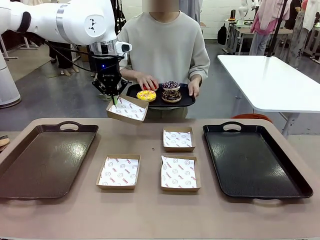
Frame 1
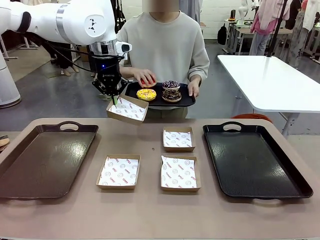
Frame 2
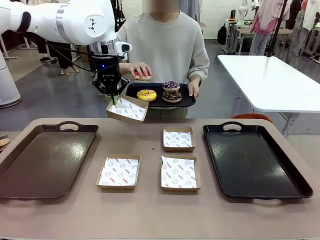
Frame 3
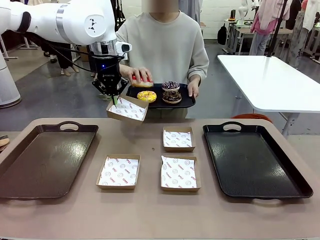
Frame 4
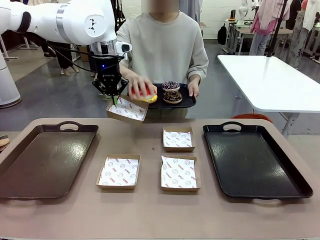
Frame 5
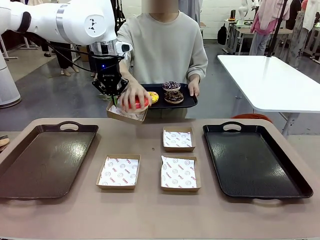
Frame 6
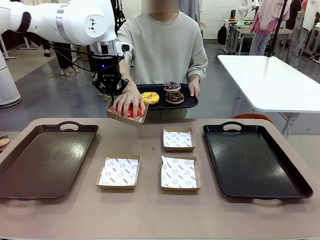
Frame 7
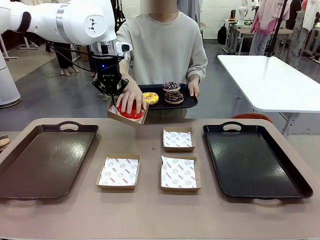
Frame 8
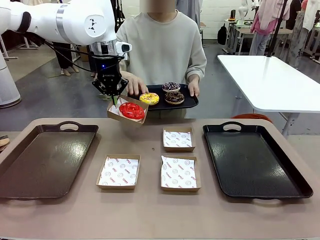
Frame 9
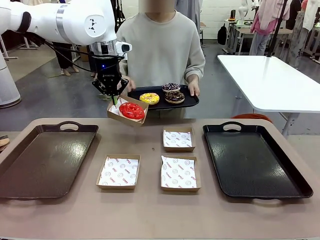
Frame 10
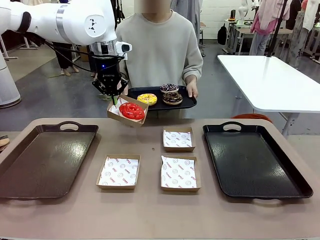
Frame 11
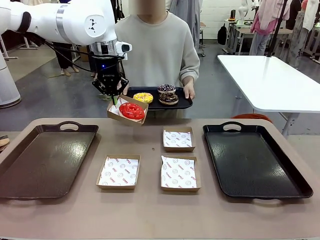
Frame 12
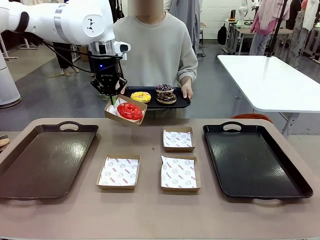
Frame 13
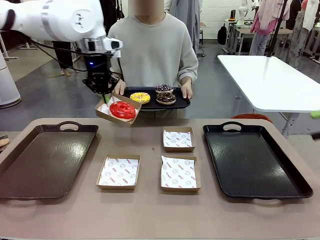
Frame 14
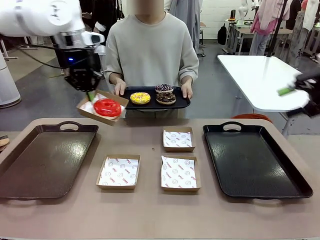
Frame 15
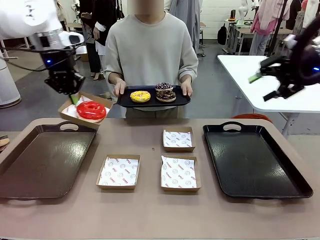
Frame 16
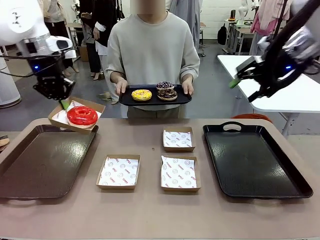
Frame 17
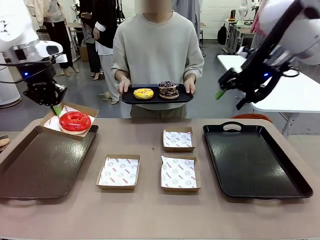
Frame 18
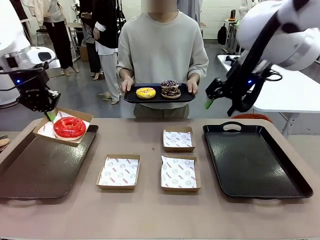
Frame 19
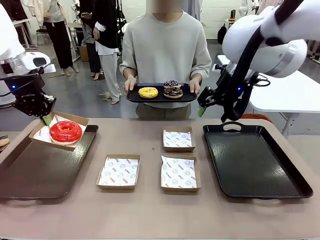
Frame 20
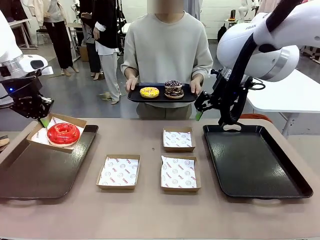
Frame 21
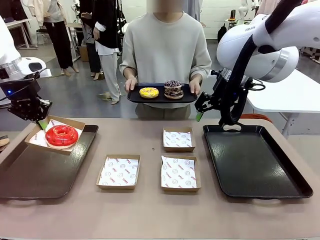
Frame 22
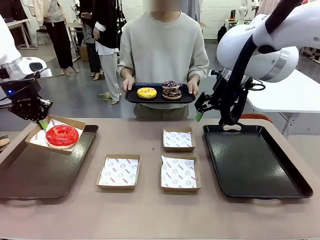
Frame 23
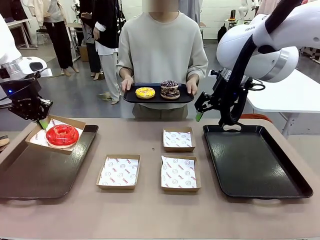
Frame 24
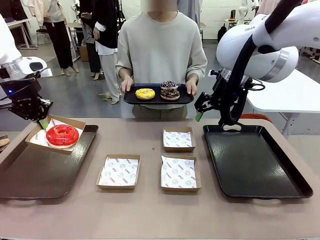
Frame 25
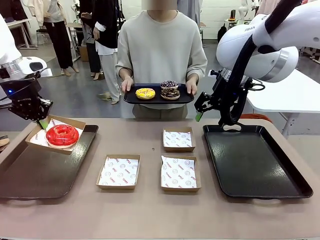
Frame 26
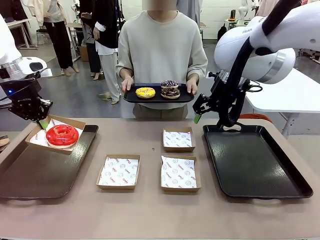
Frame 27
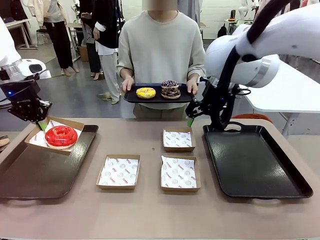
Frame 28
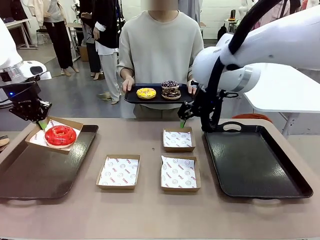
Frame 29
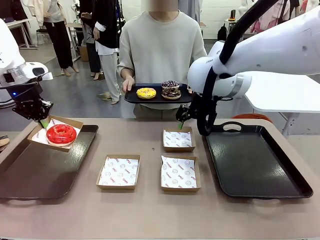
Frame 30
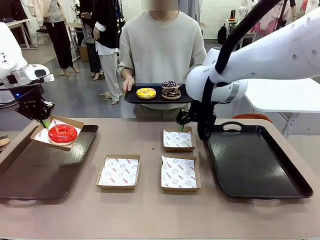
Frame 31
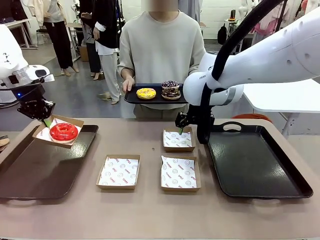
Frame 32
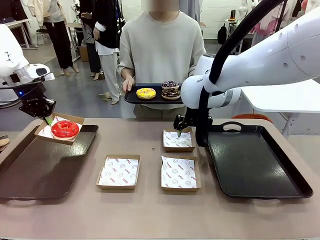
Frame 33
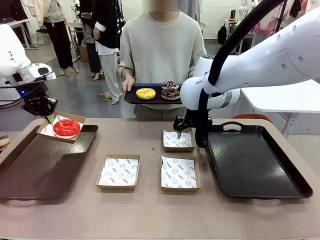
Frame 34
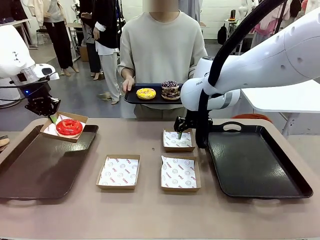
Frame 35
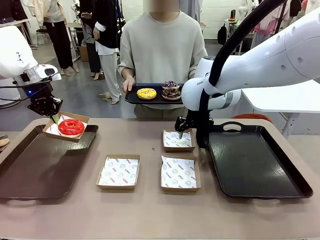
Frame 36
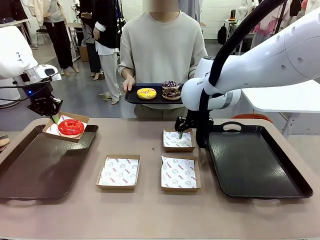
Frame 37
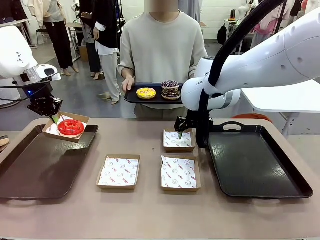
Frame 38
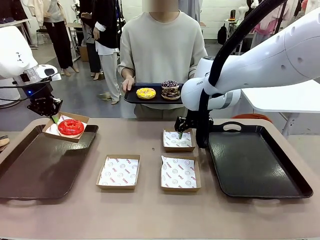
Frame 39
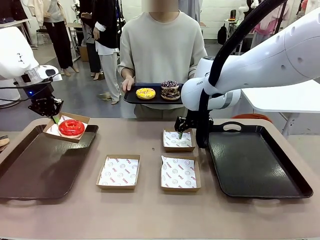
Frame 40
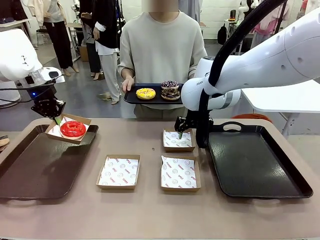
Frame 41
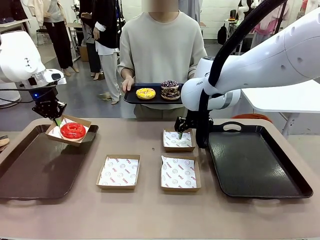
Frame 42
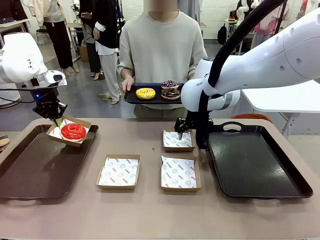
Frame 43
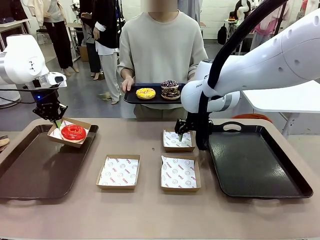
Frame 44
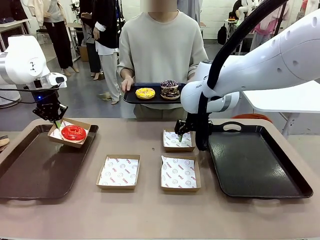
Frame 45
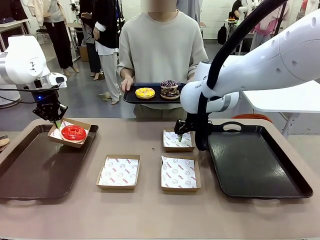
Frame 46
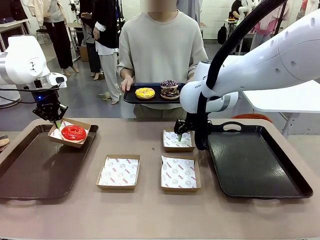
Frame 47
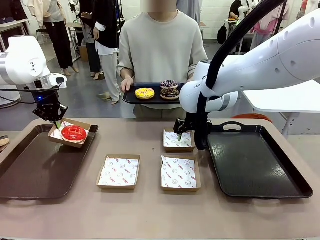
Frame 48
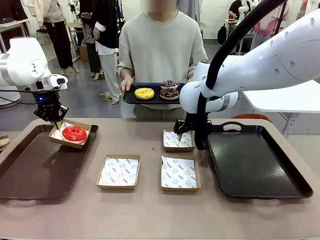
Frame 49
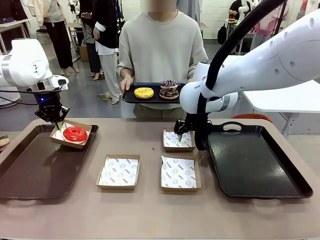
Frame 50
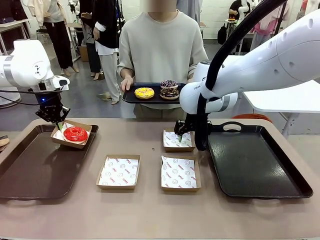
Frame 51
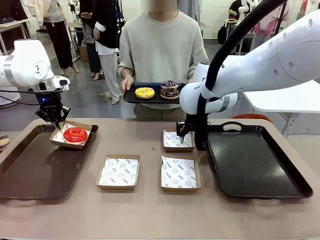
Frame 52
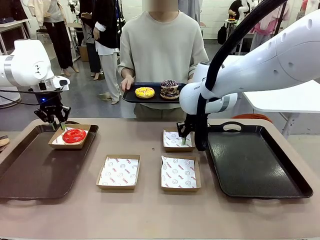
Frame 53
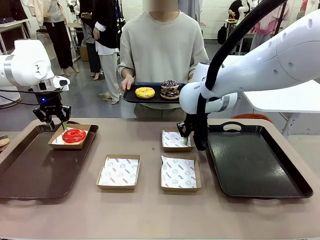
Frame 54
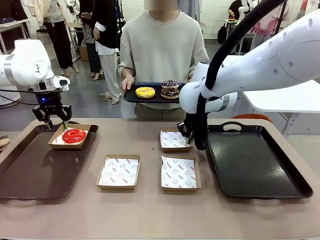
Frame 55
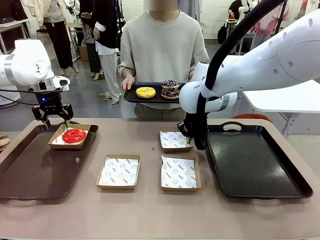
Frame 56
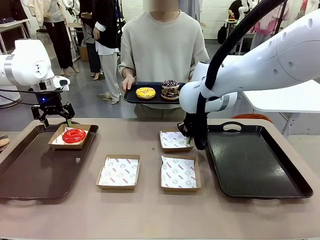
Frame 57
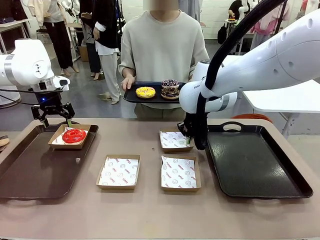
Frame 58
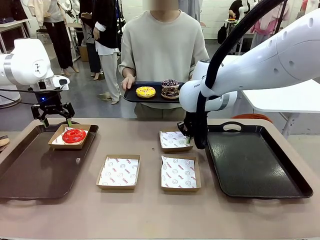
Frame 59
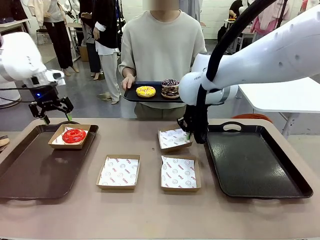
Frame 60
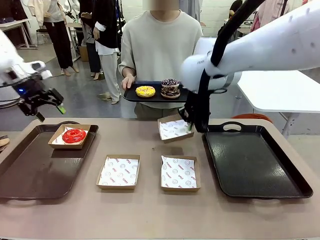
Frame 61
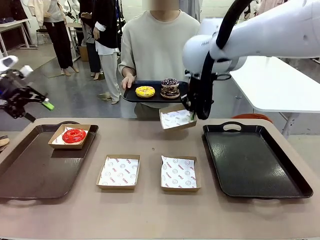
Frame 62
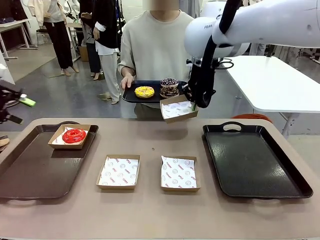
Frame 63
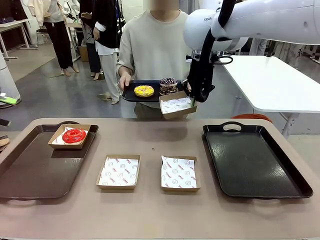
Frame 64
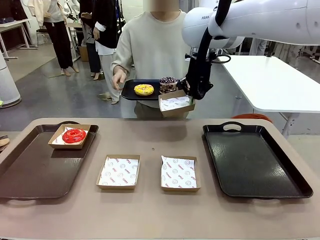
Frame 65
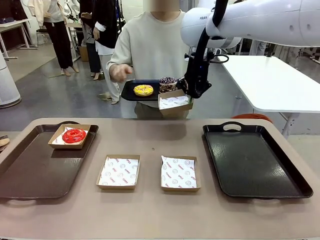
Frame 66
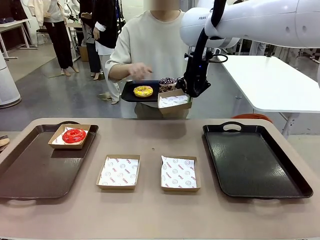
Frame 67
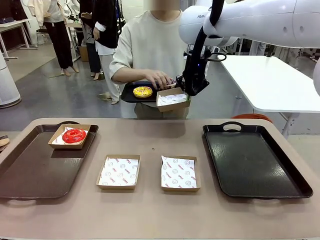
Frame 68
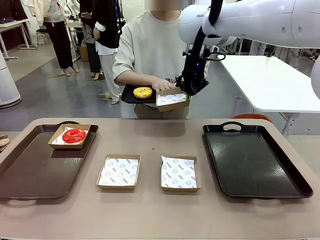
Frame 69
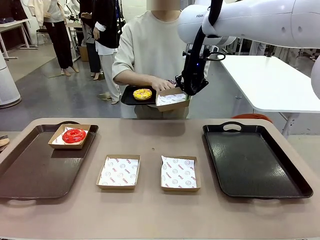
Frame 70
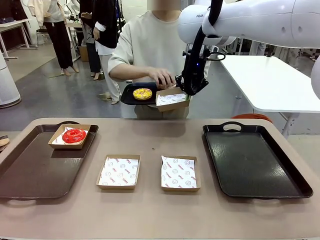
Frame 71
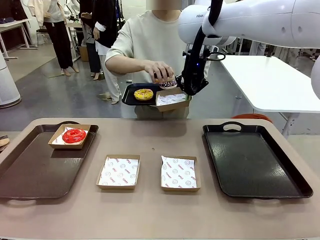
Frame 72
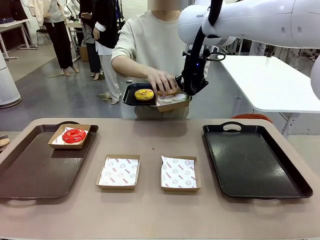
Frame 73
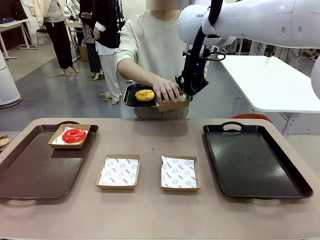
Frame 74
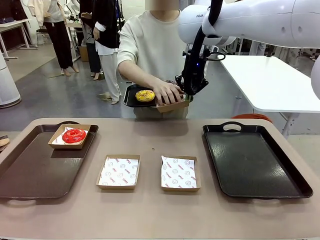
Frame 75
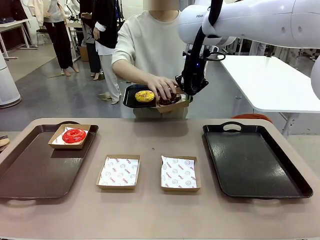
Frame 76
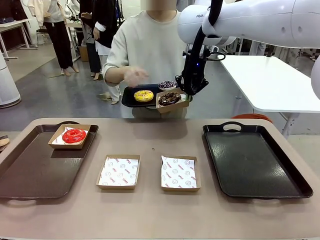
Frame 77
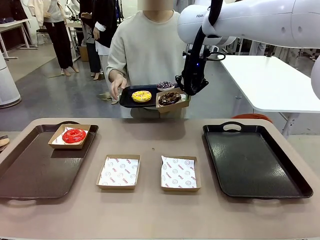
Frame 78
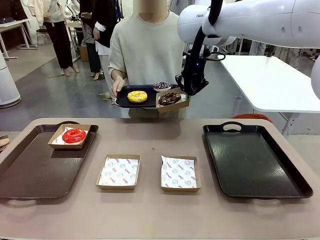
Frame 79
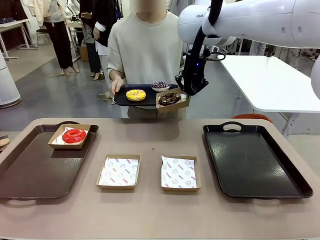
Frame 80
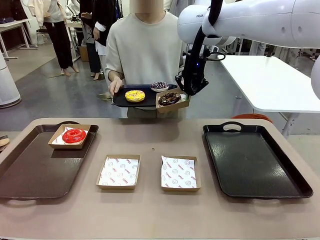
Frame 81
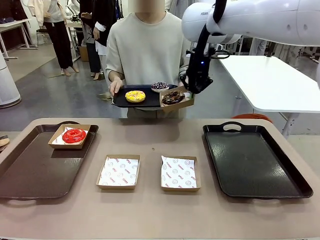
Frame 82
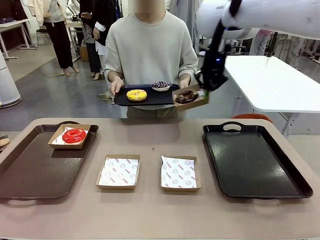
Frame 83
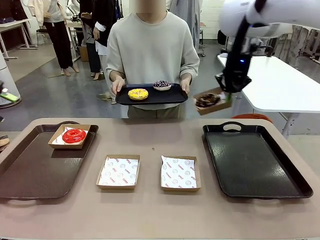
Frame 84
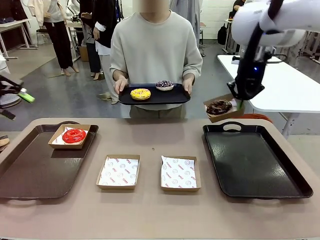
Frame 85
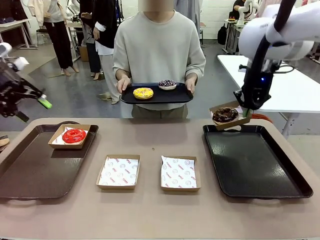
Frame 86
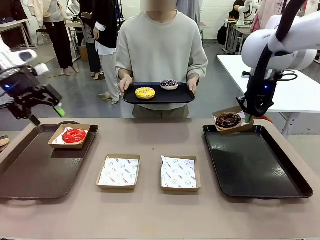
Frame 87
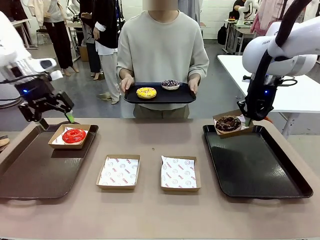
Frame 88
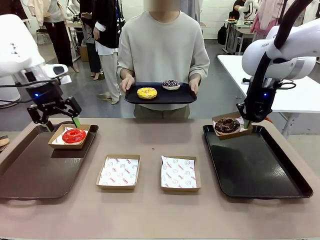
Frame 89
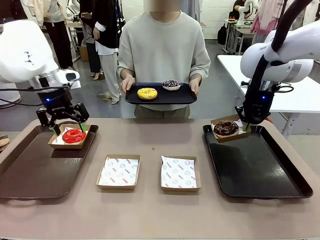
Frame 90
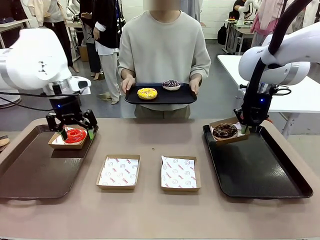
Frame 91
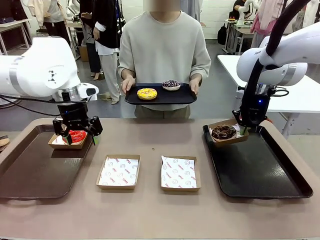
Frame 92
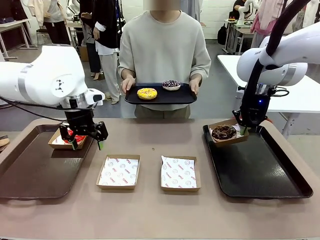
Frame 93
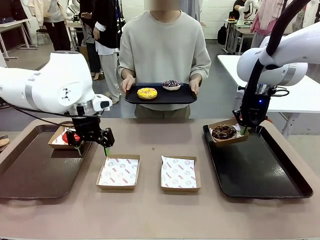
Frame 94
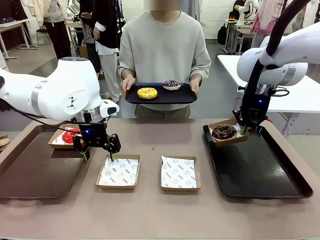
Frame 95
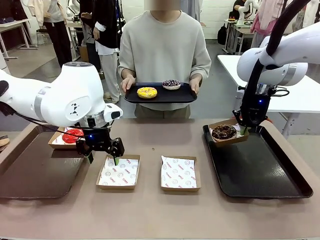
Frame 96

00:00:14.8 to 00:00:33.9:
Task: Individually package the donuts and arrange them on the tray.
Robot: Place the picked Paper togo box on the Handle tray while simultaneously picking up another Paper togo box from the table with the other hand.
